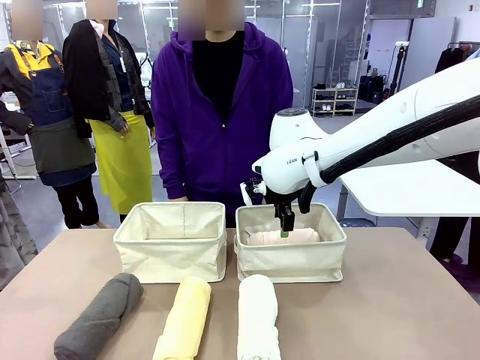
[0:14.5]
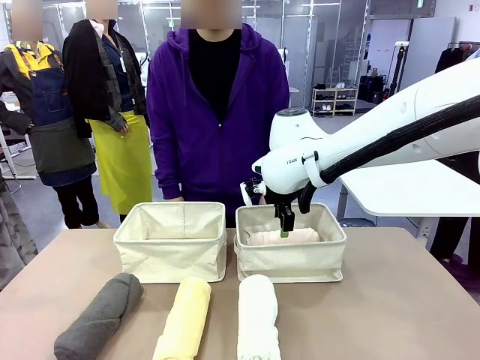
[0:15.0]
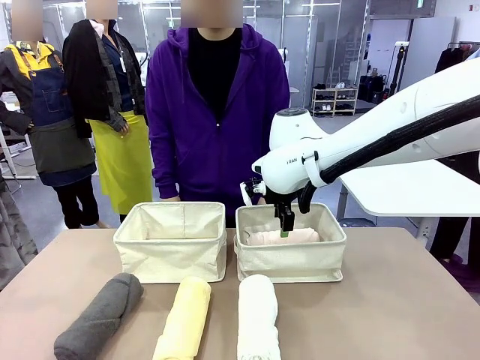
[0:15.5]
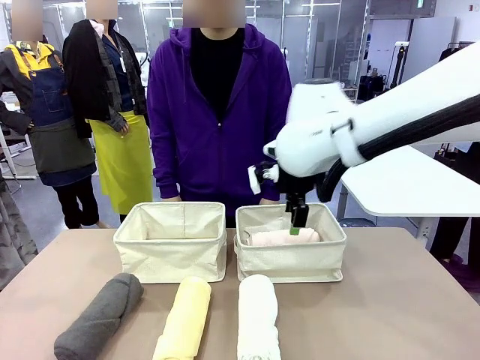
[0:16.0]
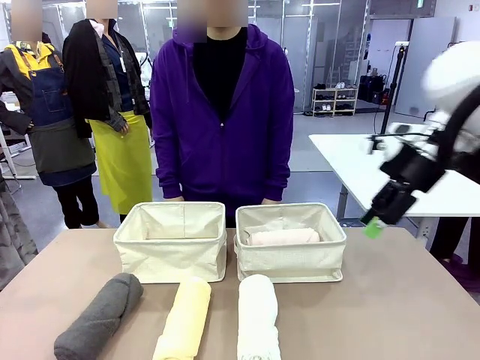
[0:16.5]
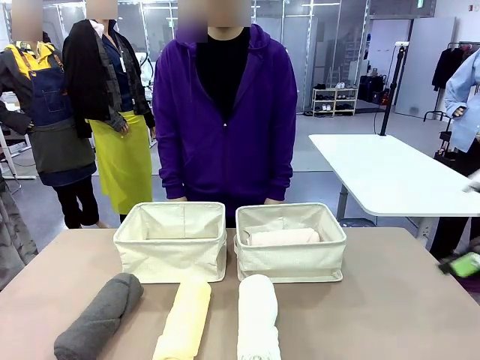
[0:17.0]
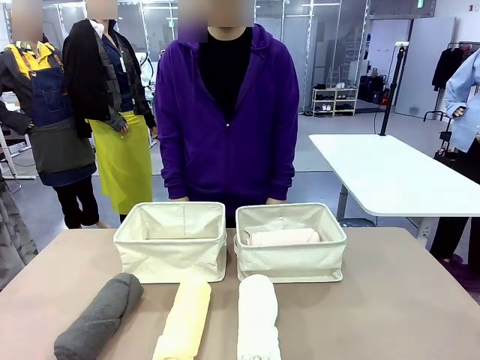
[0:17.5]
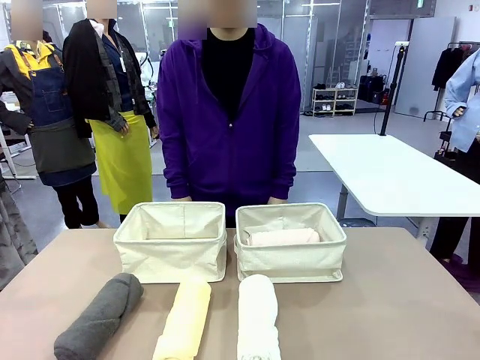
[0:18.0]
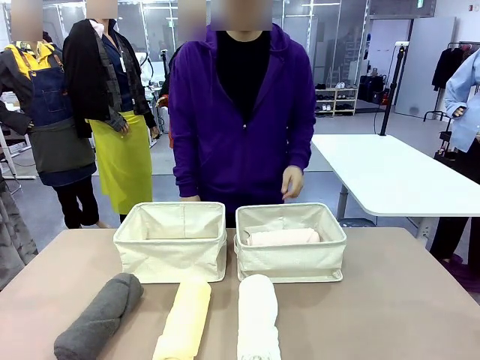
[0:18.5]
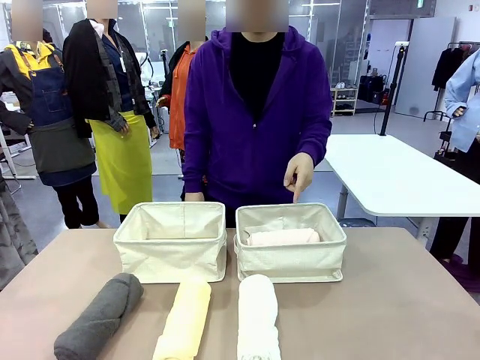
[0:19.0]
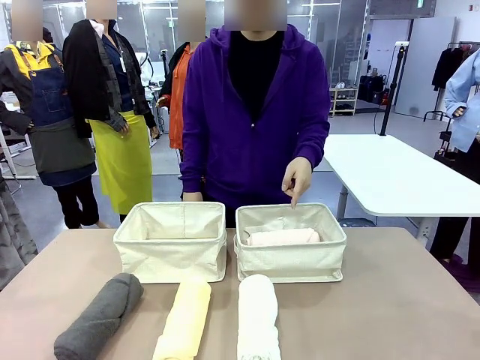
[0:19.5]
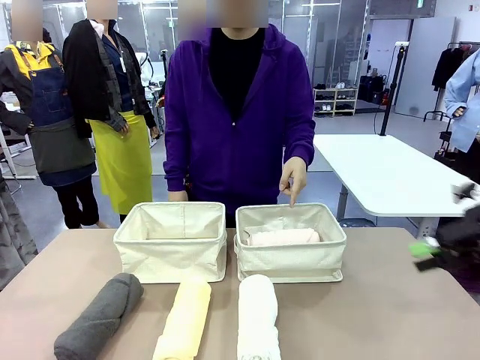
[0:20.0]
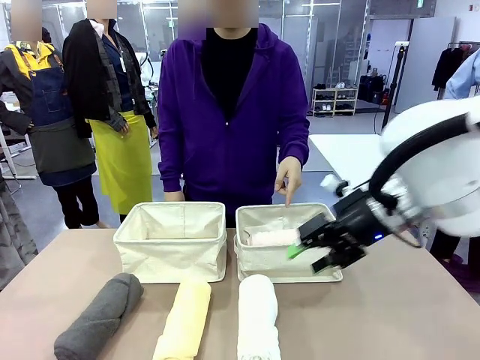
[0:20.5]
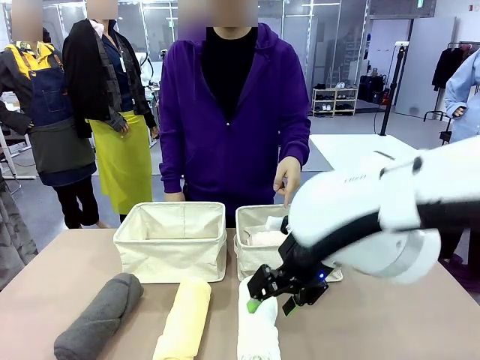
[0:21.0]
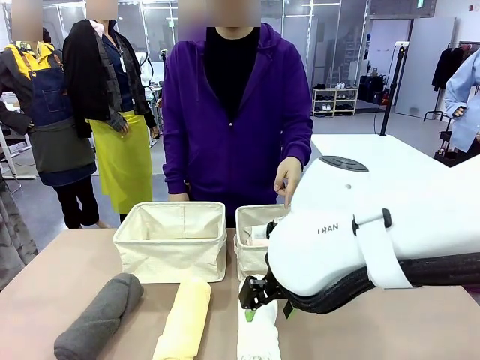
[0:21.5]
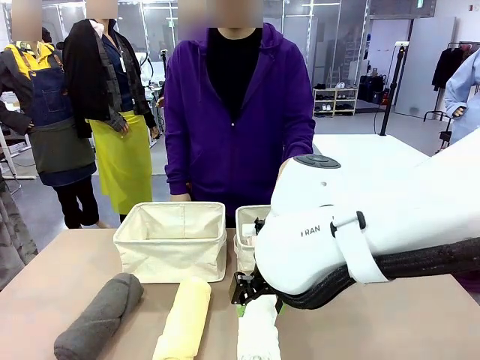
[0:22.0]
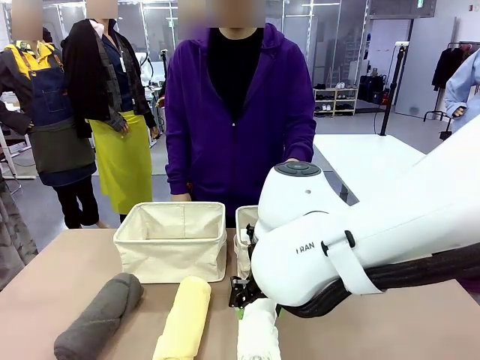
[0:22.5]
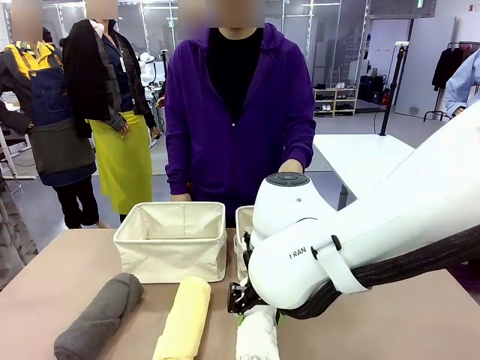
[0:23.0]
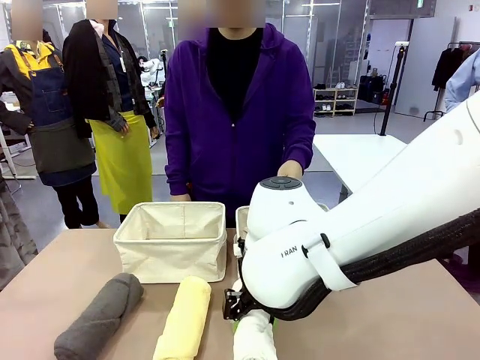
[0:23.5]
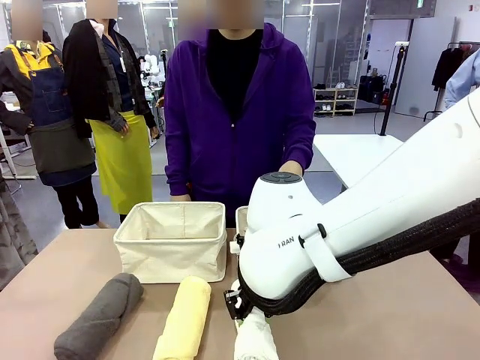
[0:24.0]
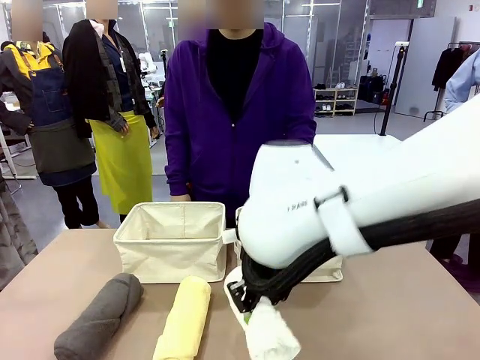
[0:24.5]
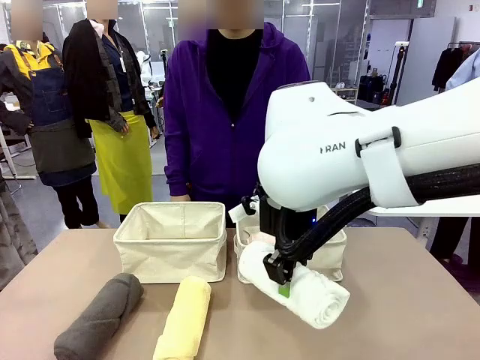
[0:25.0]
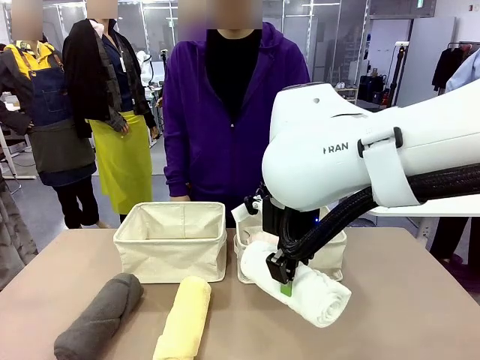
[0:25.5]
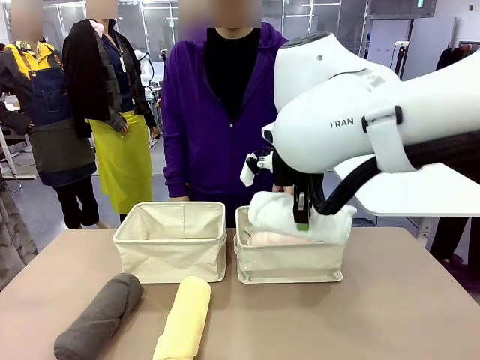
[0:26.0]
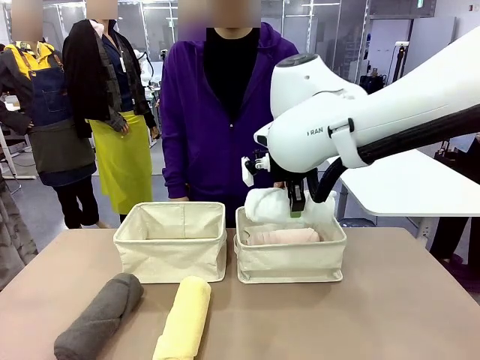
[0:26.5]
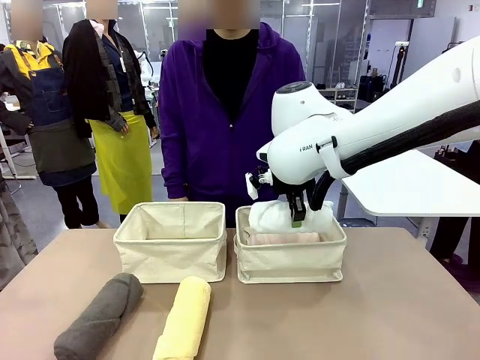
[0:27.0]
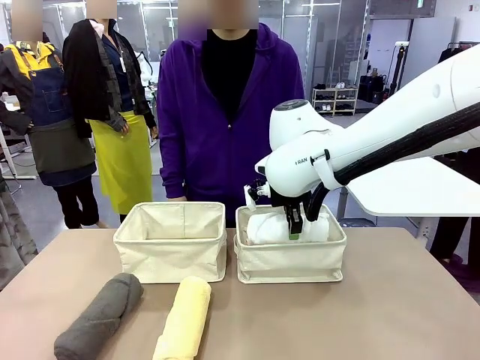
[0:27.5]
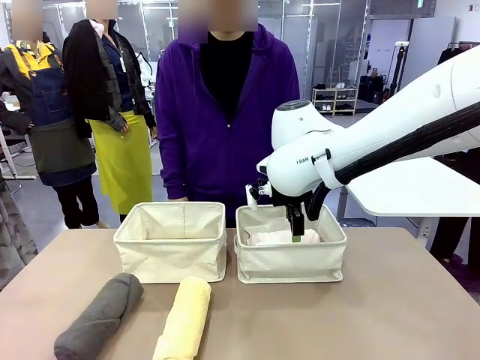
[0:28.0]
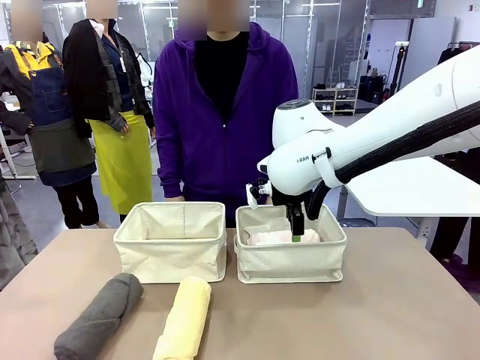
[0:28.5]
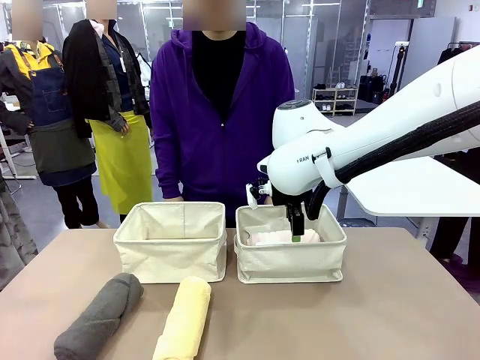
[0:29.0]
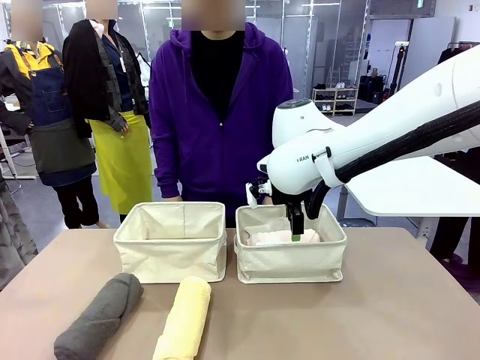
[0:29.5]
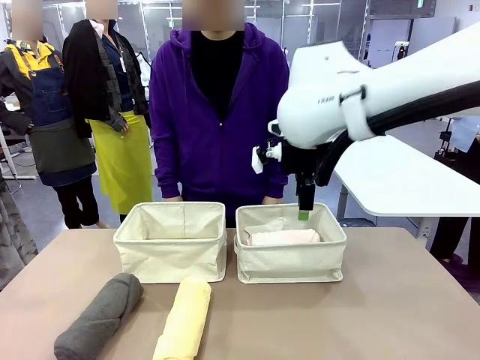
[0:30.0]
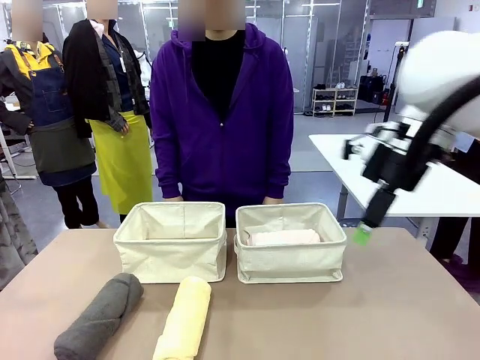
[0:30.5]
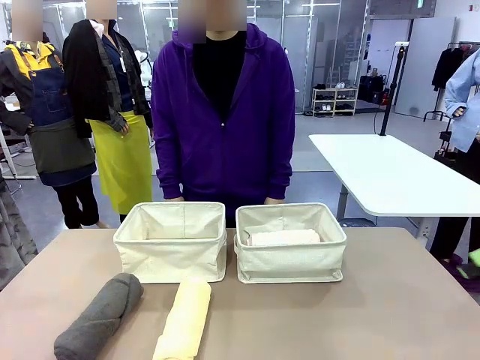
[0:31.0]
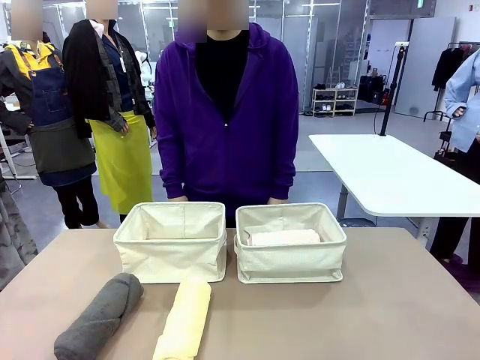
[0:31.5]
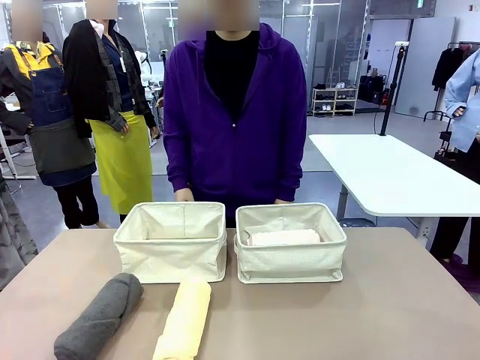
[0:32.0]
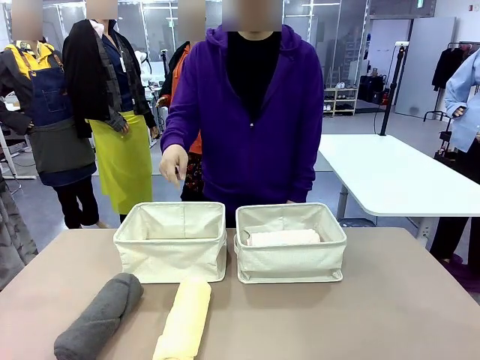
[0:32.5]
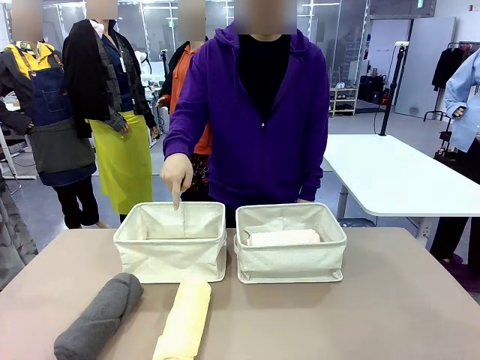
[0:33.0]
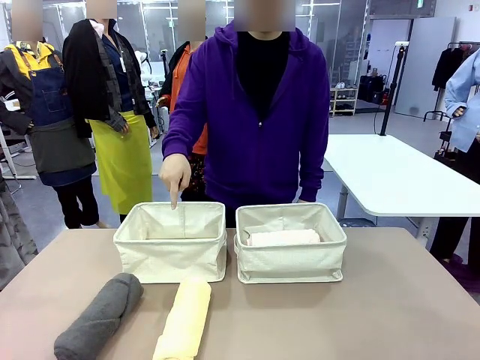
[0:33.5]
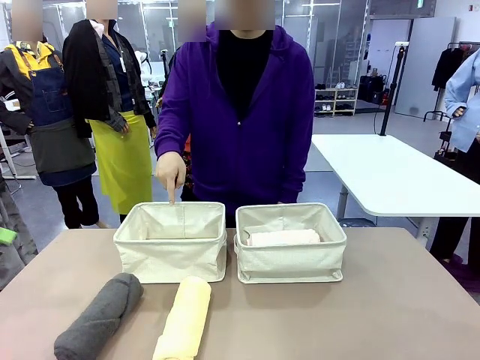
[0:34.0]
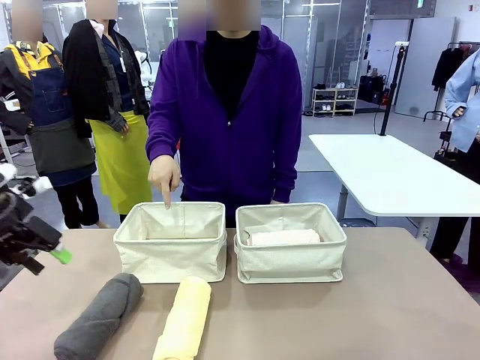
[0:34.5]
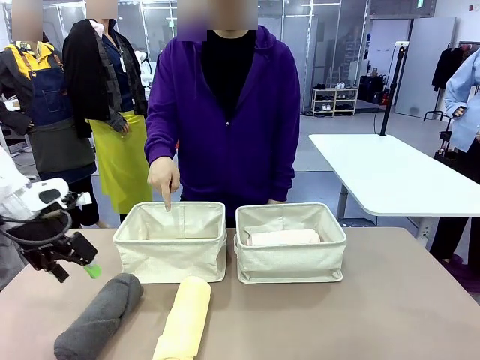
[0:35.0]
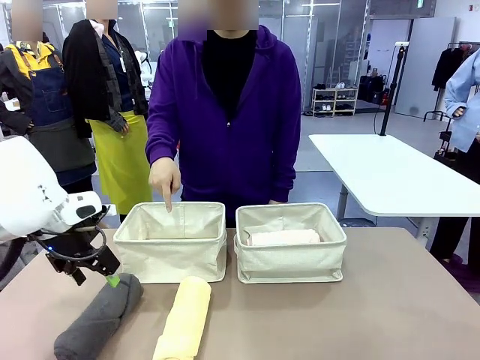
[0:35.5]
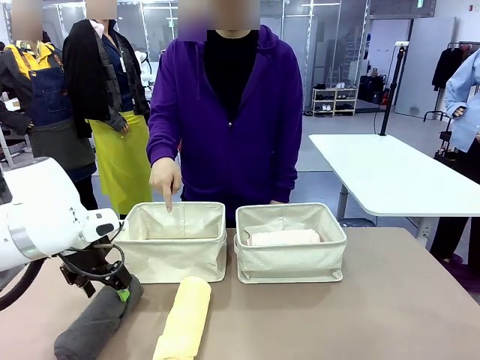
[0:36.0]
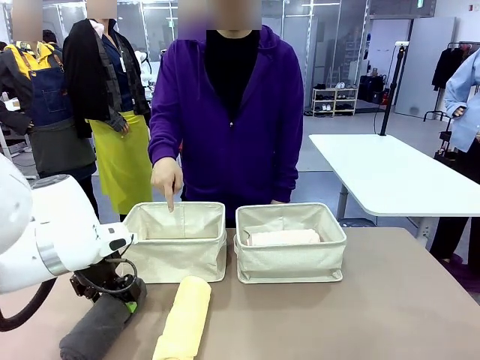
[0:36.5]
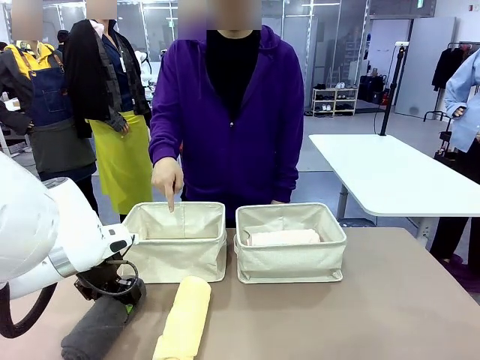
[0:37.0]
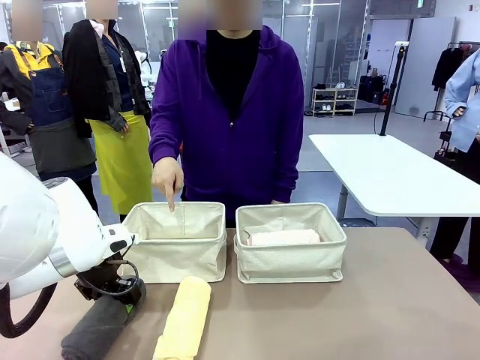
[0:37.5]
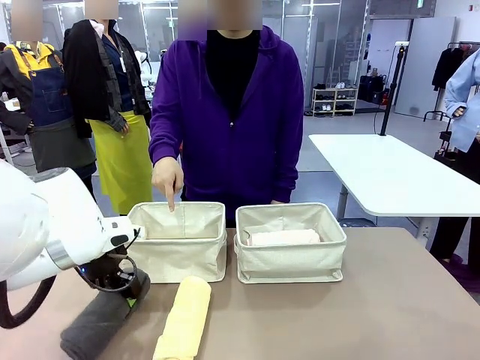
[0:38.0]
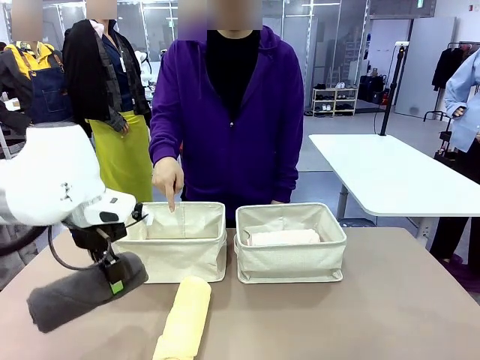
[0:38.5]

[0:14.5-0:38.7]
Task: Divide the towels into two baskets.
Robot: Pick up one hotel-folded towel from the bottom of the table and place it in the Fabric basket indicated by the person.
